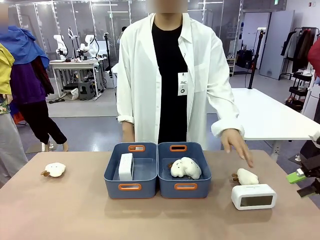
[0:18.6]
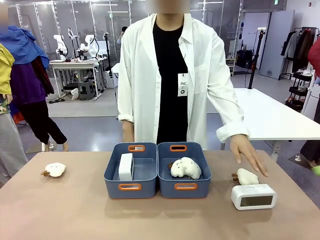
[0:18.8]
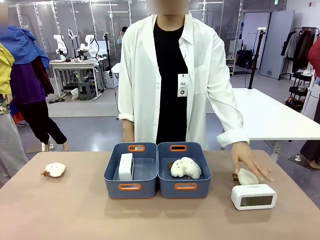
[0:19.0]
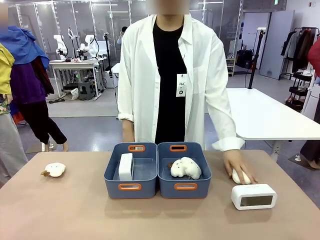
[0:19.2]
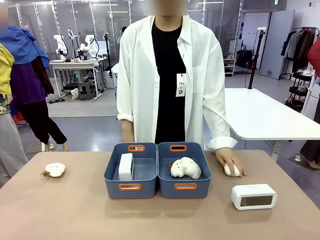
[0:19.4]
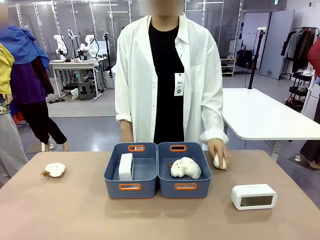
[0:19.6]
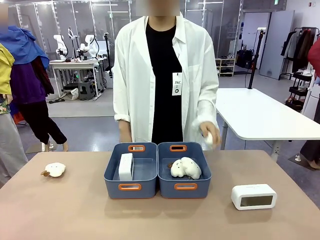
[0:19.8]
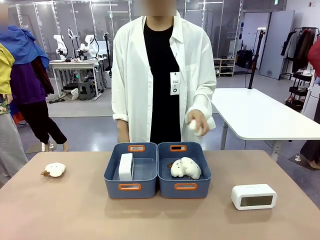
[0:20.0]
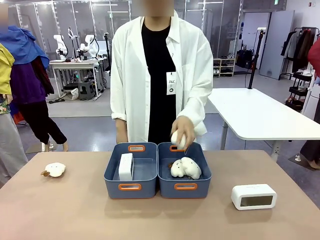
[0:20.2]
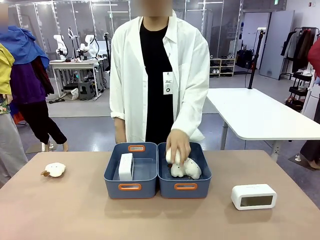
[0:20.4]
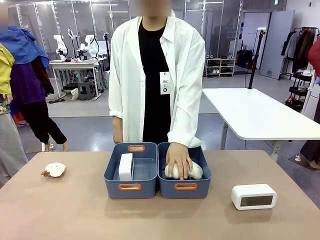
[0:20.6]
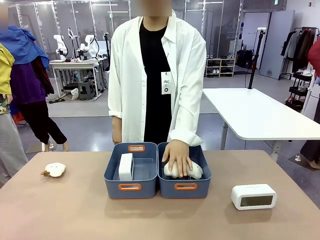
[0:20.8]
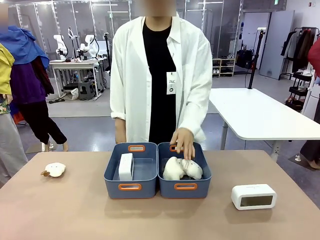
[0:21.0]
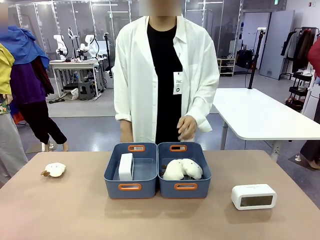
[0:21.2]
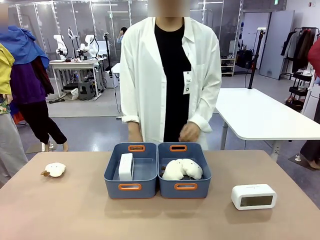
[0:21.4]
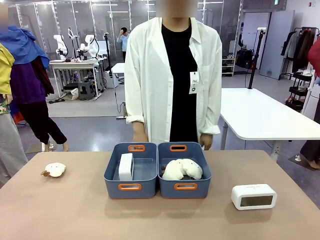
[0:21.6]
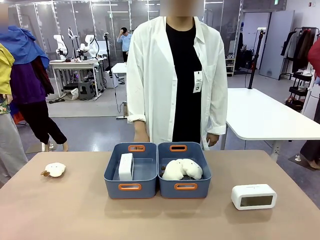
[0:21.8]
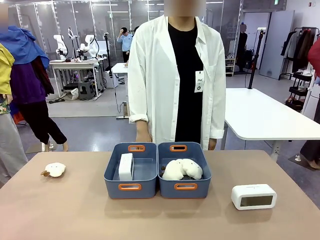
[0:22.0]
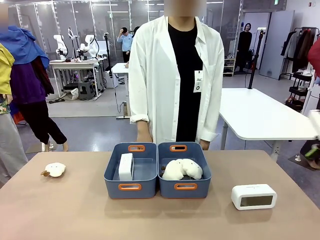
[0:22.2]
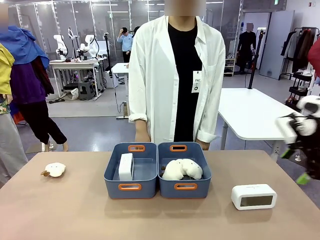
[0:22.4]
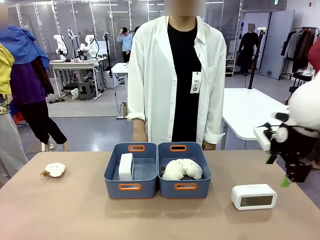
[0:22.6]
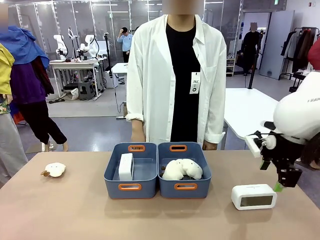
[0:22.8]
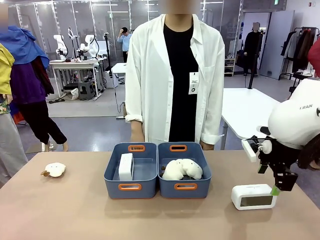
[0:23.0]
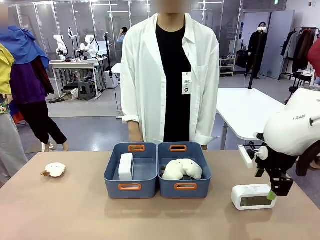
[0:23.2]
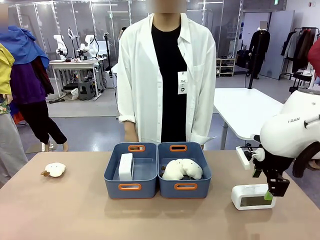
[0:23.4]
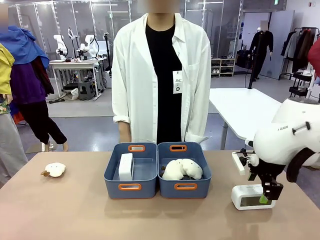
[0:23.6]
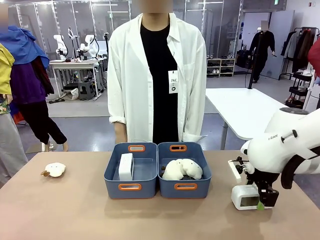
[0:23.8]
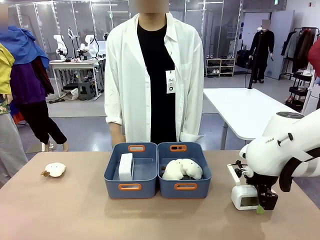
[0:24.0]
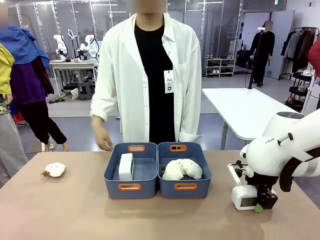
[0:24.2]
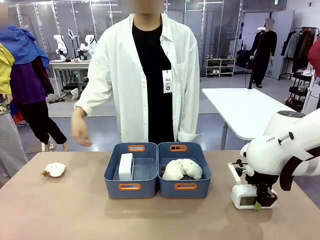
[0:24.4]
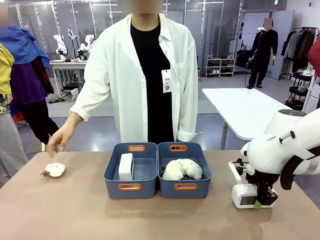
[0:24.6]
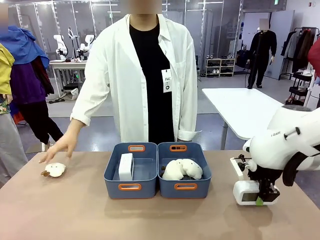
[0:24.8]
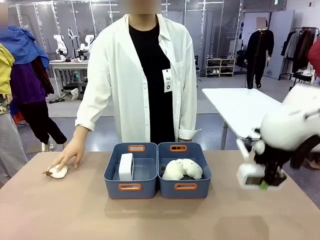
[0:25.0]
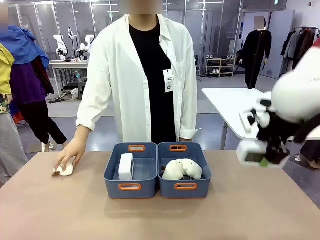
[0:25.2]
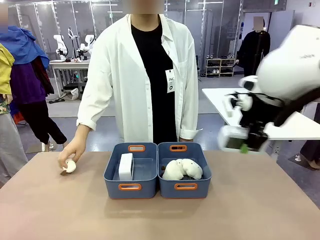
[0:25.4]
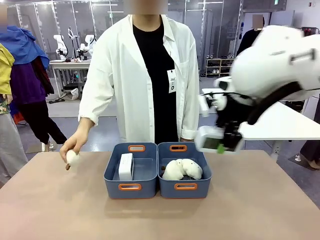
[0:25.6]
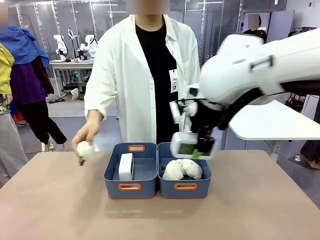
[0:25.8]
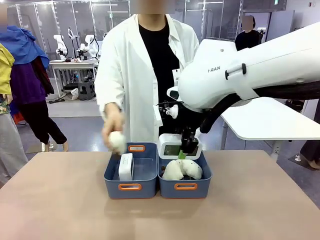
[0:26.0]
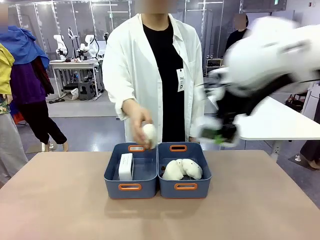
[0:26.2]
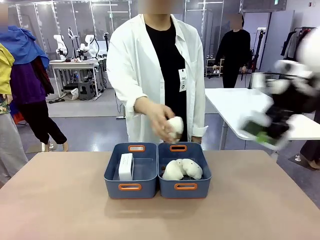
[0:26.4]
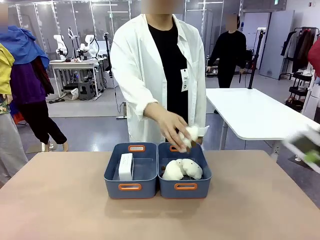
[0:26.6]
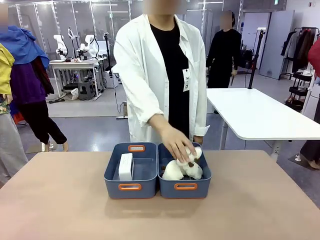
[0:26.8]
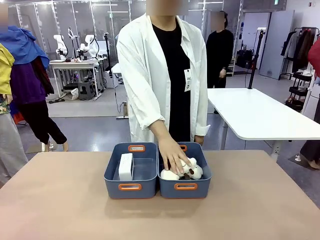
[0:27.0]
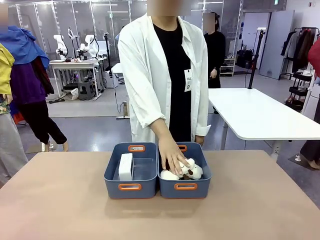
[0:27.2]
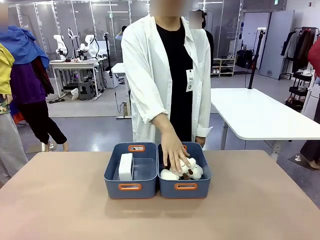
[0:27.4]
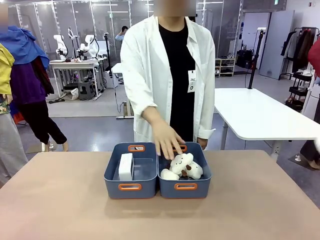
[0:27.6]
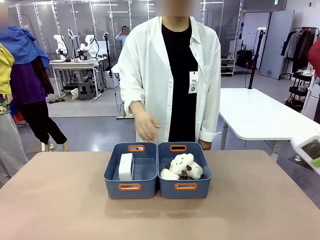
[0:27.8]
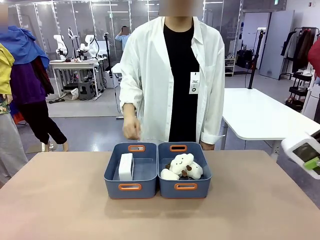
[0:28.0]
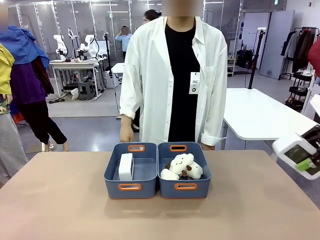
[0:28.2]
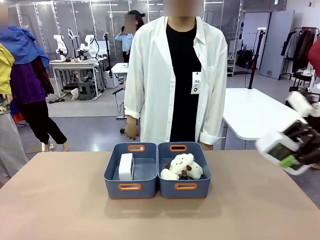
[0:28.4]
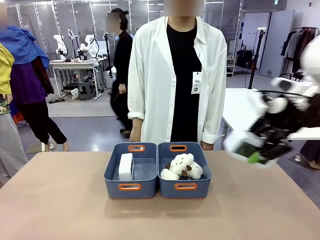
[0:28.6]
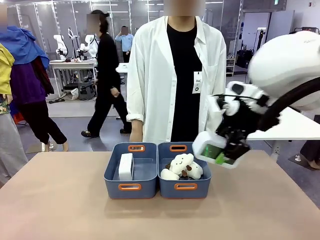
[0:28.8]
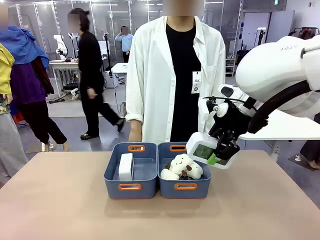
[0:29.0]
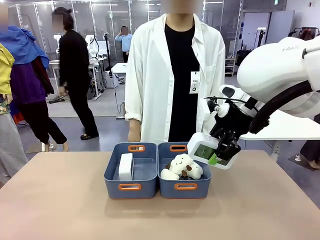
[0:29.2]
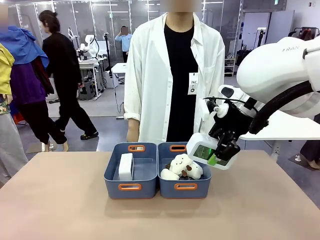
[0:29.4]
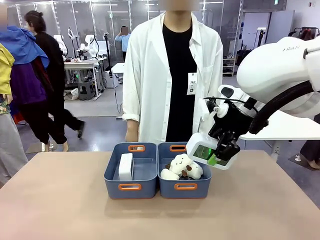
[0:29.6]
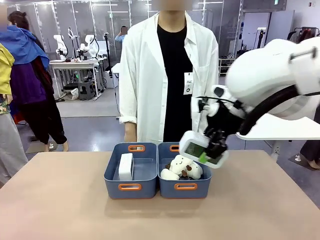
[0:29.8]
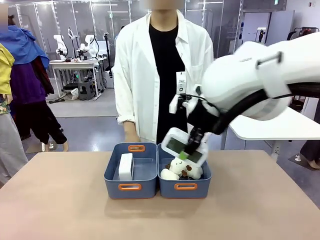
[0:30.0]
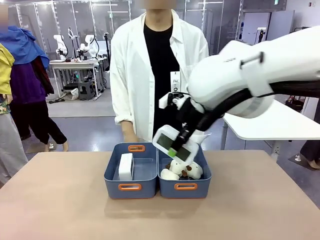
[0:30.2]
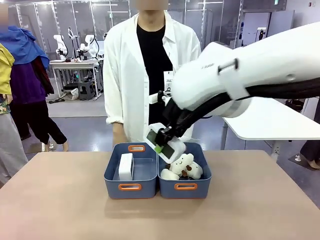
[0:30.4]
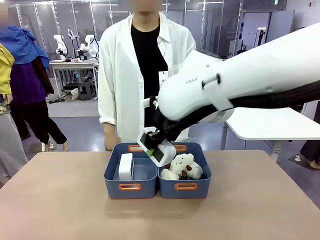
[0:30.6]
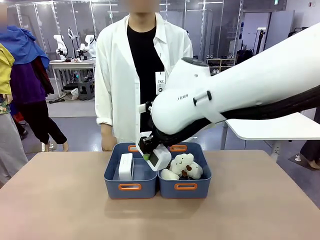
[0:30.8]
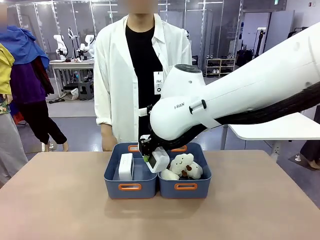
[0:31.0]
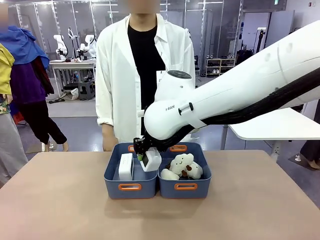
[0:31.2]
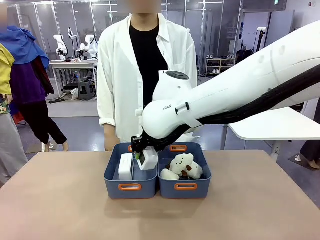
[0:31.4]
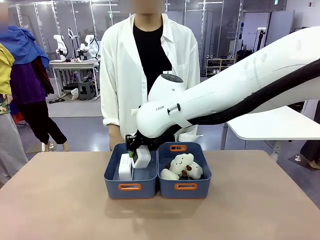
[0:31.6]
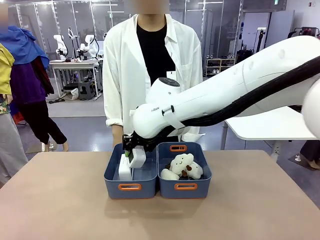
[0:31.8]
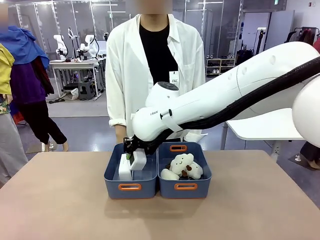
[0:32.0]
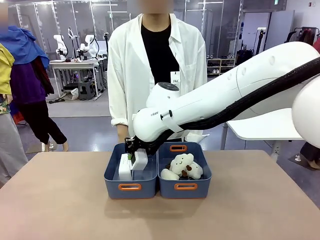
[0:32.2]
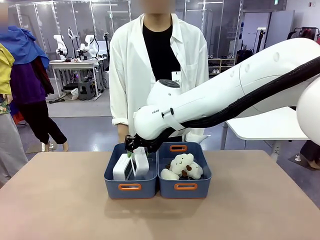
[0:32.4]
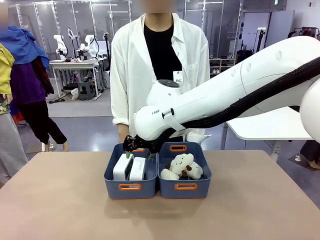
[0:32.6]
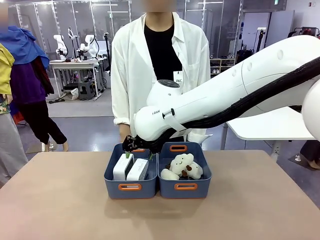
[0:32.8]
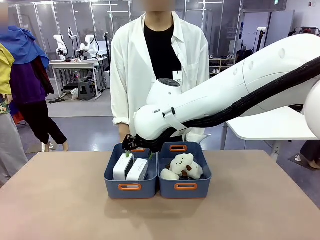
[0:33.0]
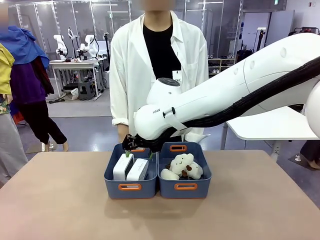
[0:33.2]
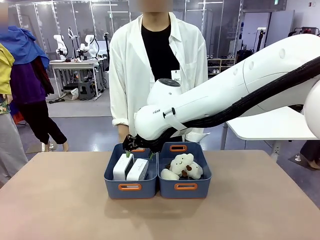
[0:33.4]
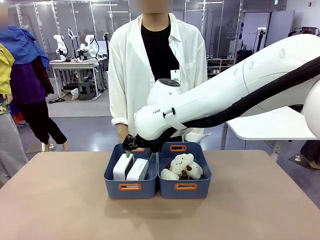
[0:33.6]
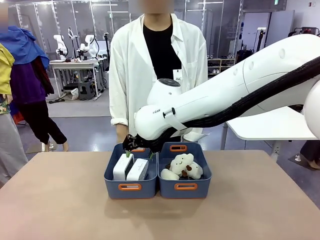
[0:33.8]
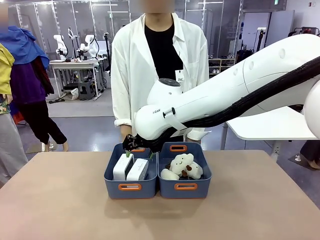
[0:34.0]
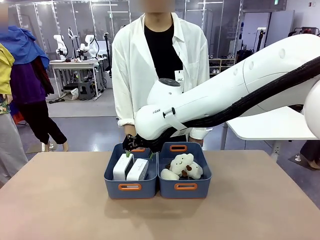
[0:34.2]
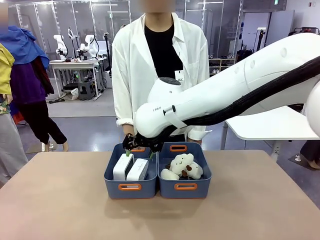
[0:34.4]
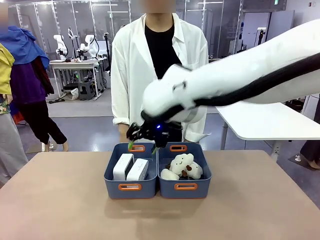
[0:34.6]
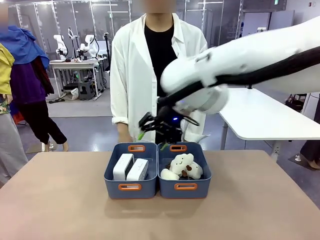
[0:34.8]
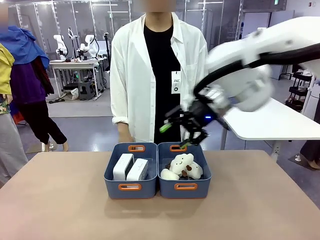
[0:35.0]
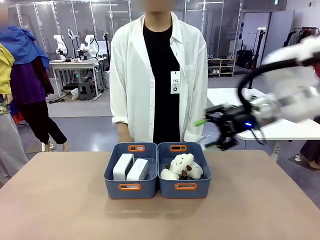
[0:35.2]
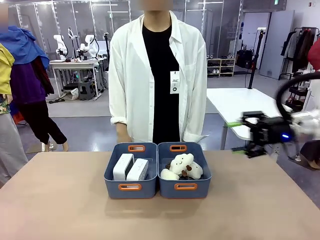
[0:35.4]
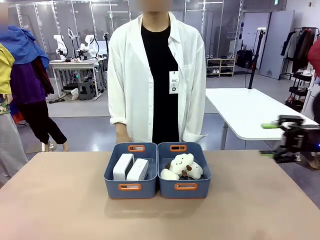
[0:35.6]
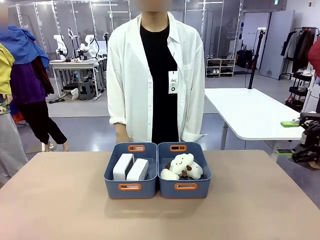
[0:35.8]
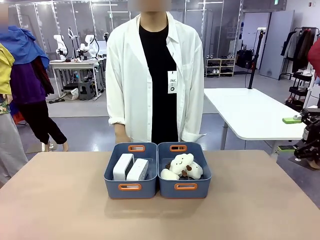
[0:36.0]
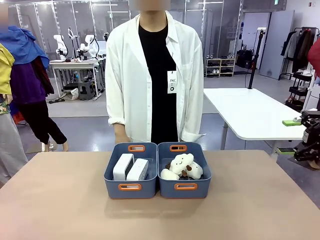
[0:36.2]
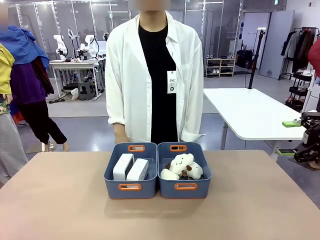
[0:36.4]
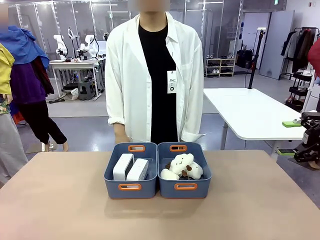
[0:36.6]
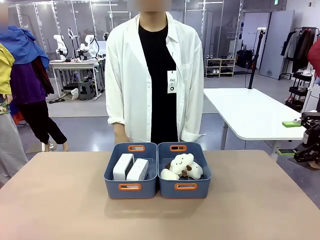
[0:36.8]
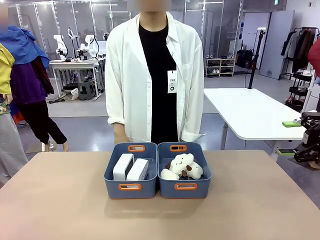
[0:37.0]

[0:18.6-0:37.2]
Task: Sort the digital clocks into the basket.
Robot: Pick up the Digital clock from the table and place it into the empty Plastic storage basket.
Person: Pick up a plush toy from the table and place it in the plastic storage basket containing the plush toy.

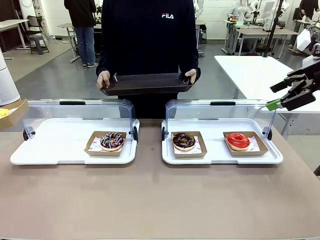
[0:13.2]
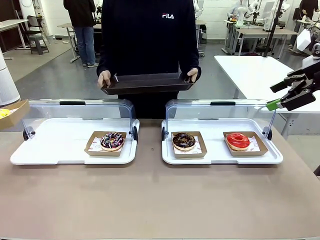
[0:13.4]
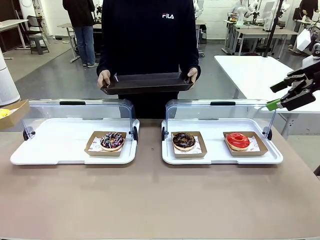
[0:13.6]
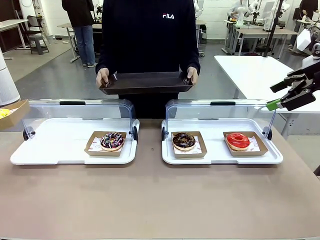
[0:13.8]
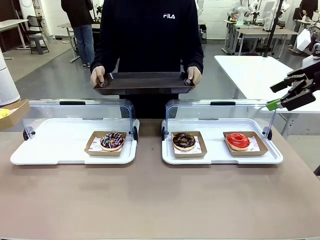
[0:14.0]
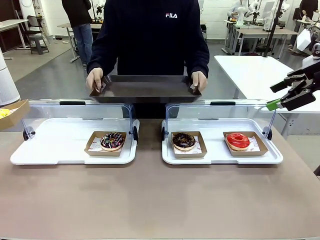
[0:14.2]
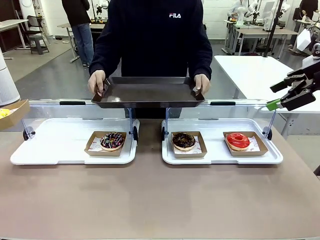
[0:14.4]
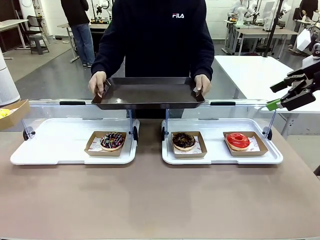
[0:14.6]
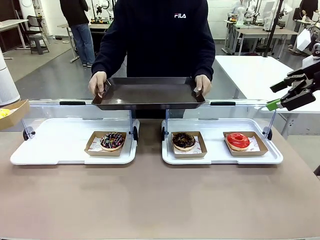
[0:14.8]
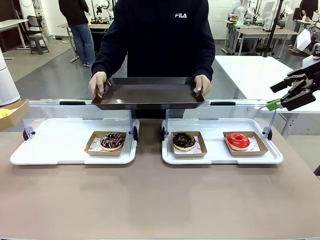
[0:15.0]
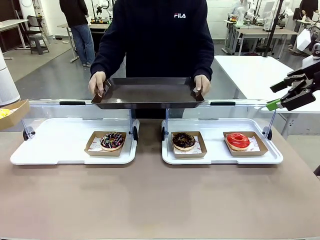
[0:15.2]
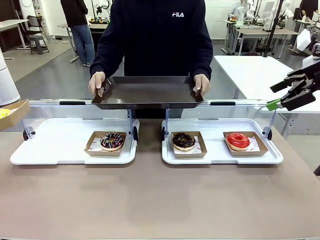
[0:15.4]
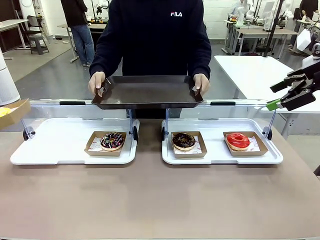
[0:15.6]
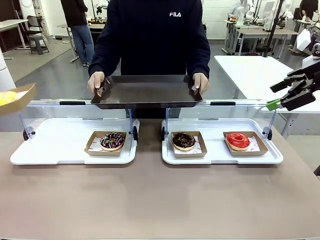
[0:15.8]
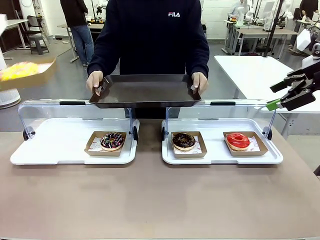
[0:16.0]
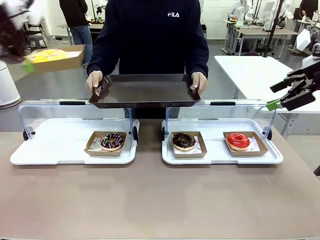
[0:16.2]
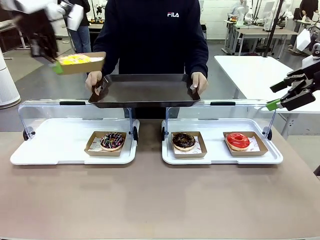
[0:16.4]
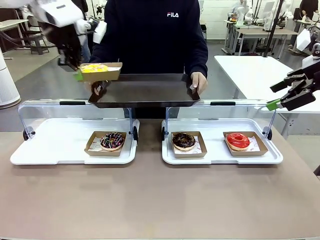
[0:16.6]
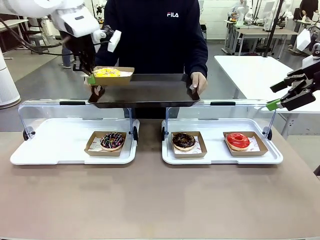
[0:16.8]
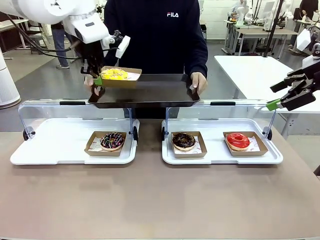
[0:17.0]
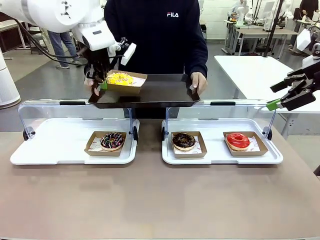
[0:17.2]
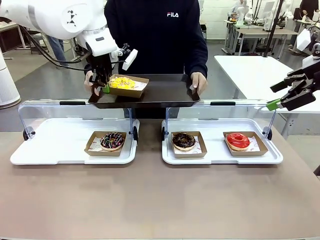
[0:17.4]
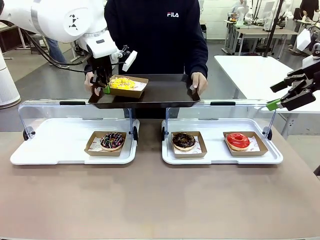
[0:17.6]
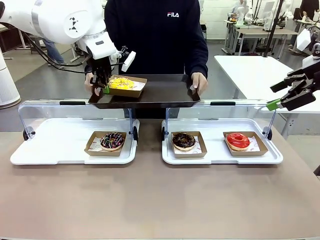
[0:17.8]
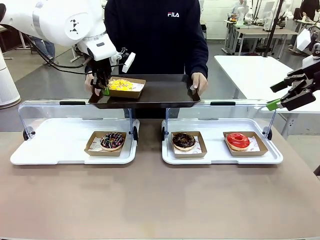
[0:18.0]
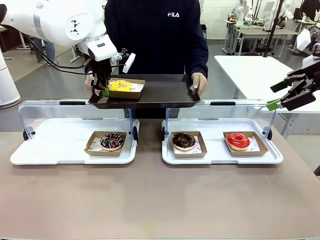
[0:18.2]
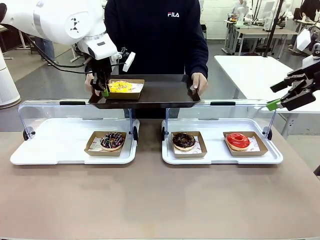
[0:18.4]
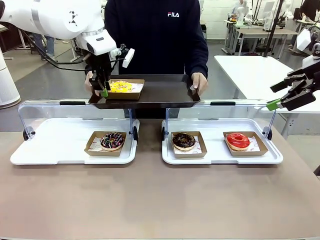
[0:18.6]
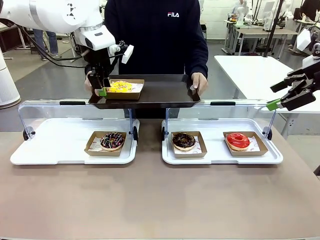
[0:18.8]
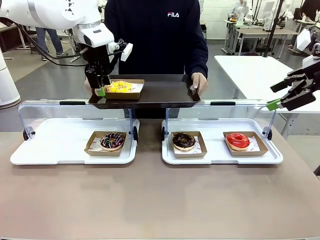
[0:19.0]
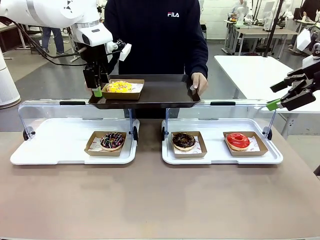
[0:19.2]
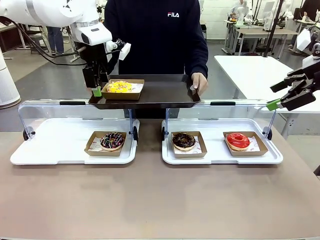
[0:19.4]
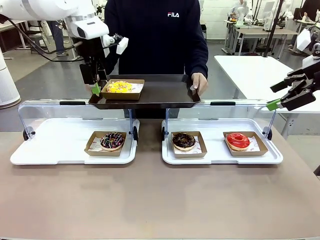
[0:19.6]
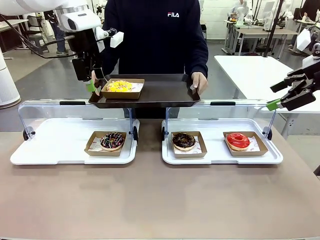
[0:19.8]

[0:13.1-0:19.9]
Task: Provide the desired donut to the person.
Robot: Place the picked Paper togo box onto the Handle tray extended by the person.
Person: Point to one donut.
